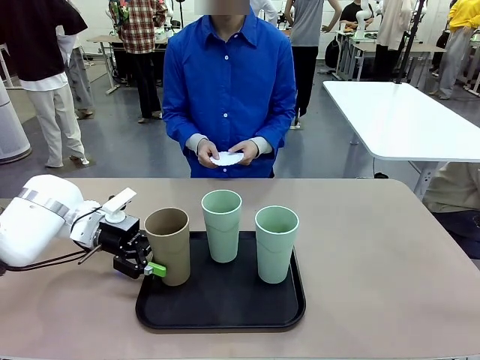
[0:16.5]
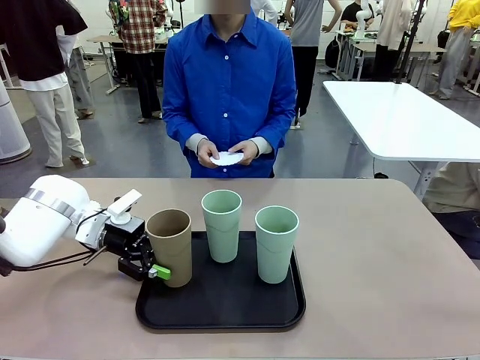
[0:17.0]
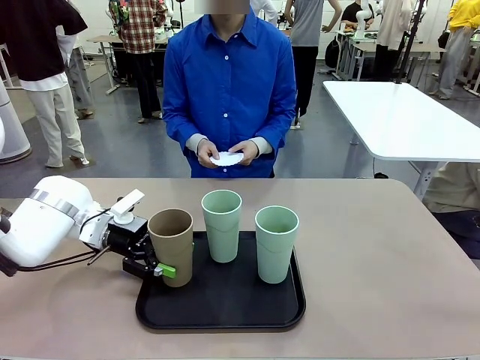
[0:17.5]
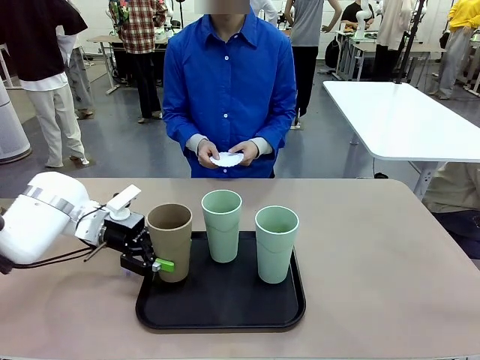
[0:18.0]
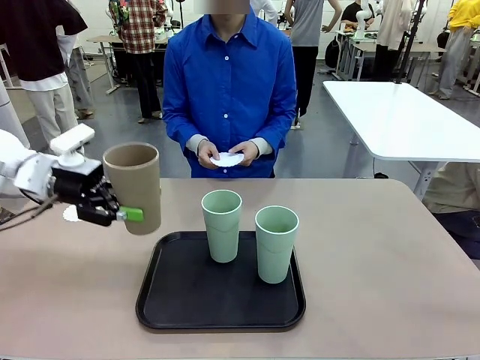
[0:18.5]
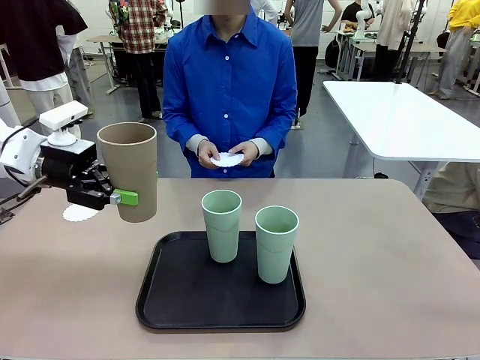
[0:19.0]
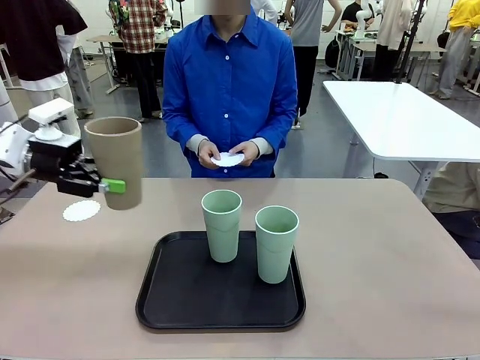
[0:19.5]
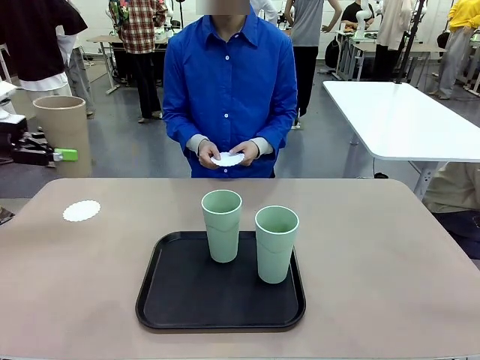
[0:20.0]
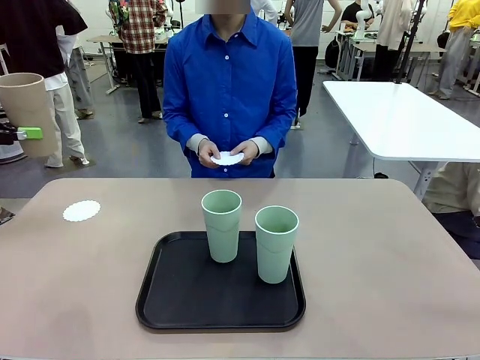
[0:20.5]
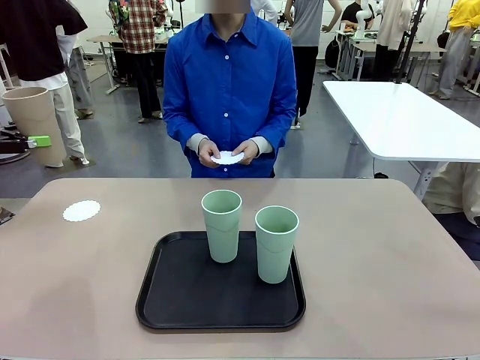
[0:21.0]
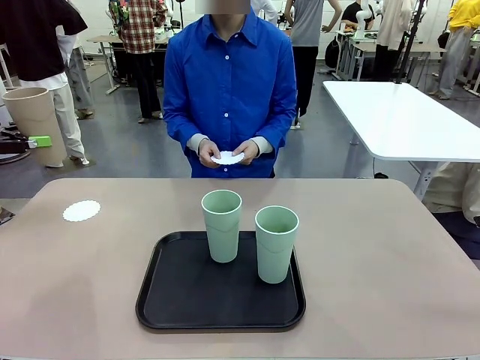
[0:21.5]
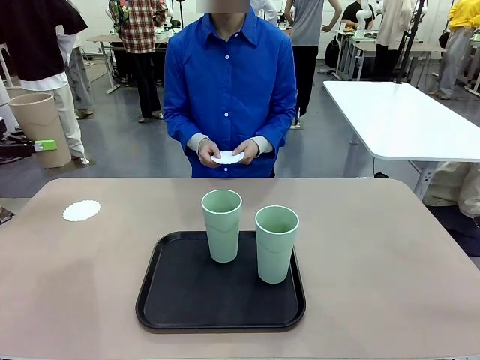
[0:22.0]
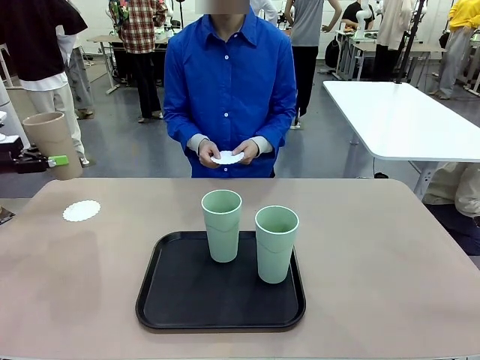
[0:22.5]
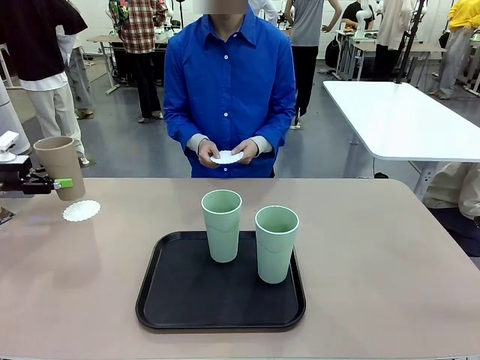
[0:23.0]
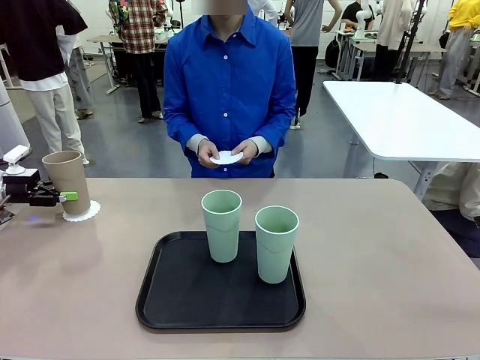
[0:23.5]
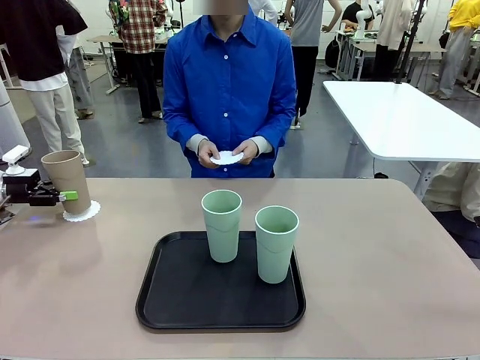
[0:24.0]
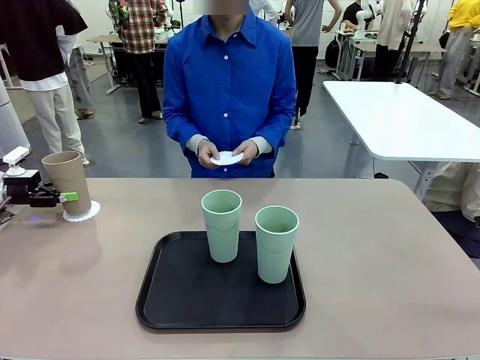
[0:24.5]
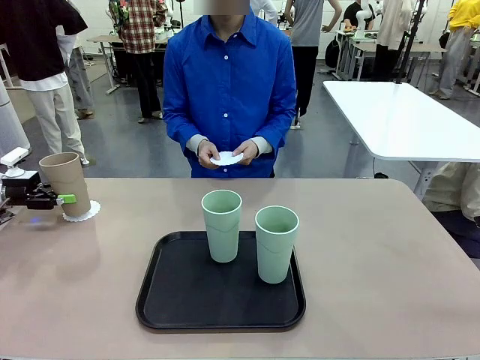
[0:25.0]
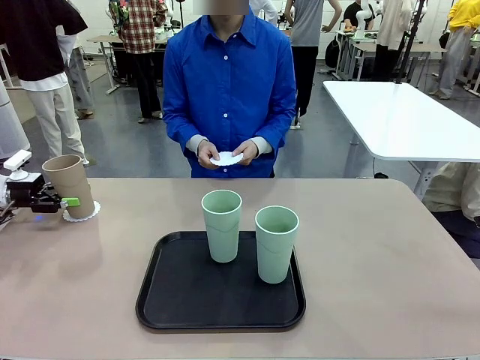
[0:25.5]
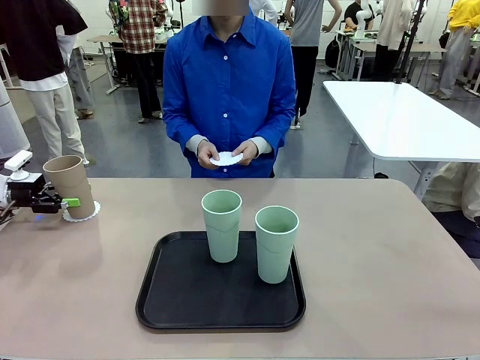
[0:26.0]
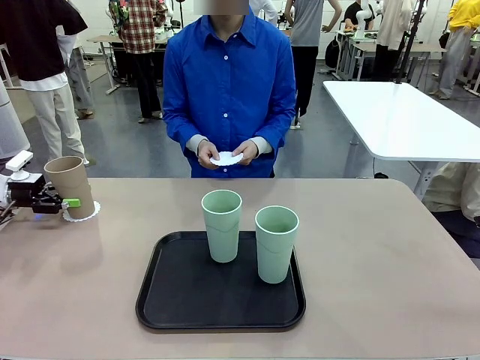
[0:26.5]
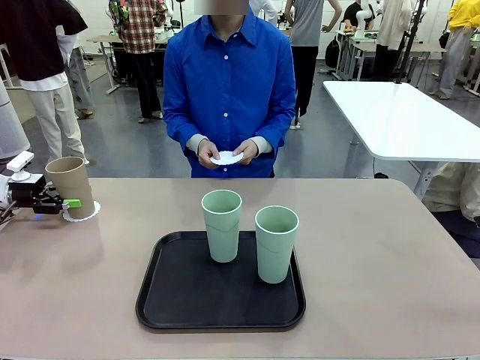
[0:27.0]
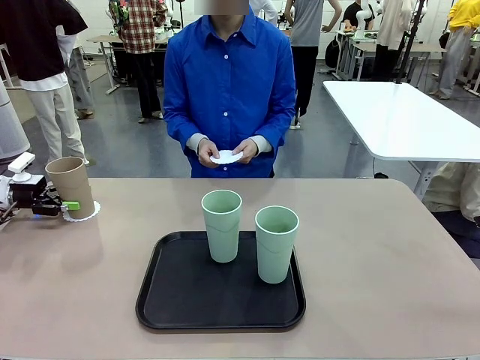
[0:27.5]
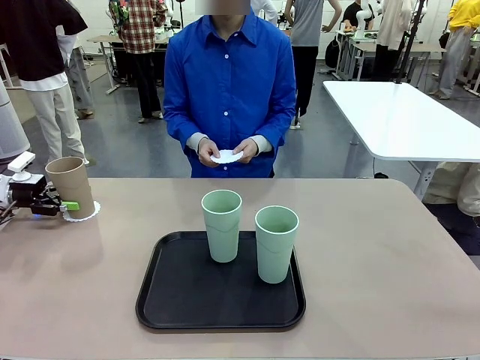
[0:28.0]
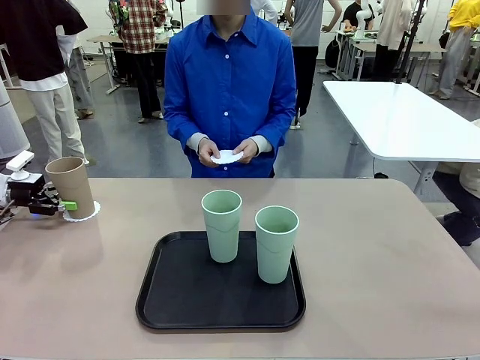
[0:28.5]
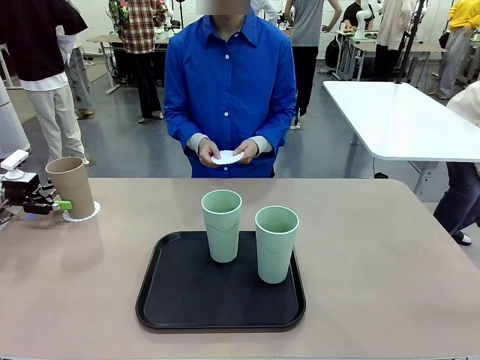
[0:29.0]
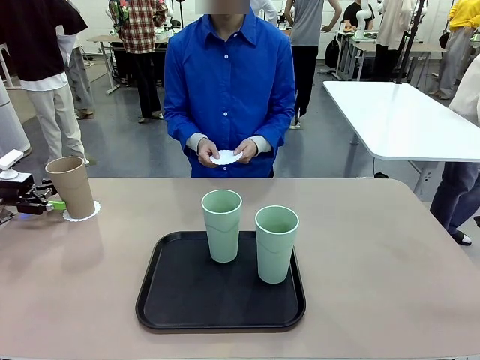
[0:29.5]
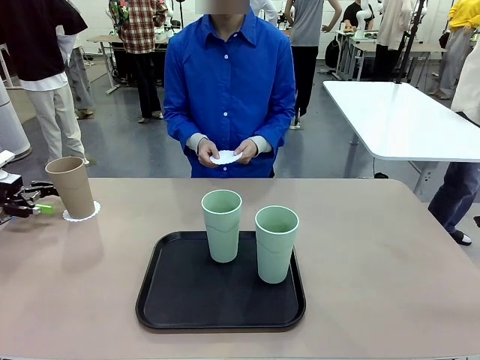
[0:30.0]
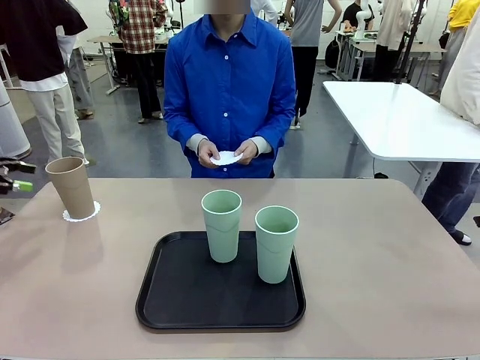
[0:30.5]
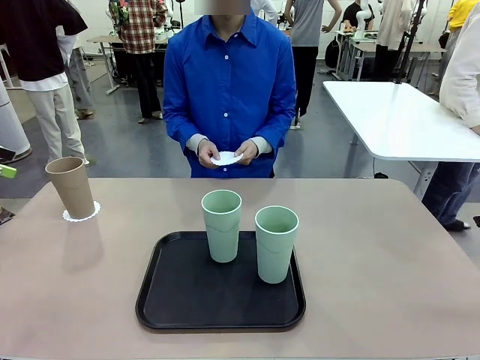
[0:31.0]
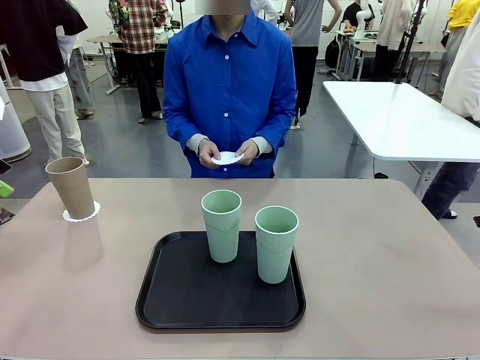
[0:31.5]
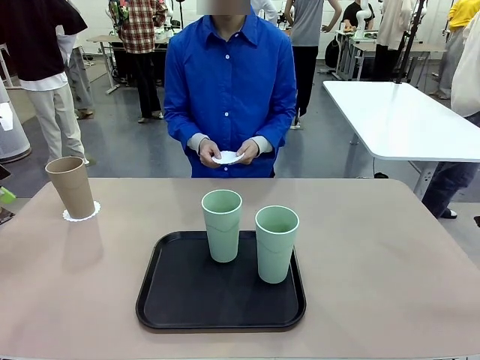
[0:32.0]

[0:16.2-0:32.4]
Task: Place coasters on the table and set cups on them.
Robot: Pick up one Reusable plastic cup and place it on a coaster set by the human.
Person: Place one coaster in one of the two areas excluding the previously selected area.
